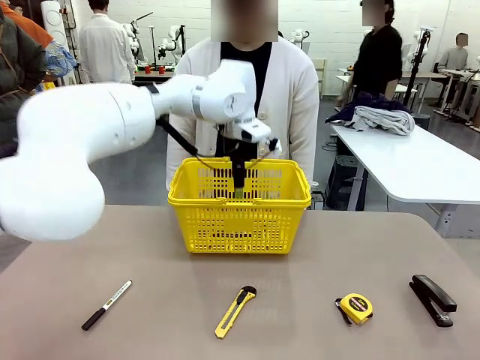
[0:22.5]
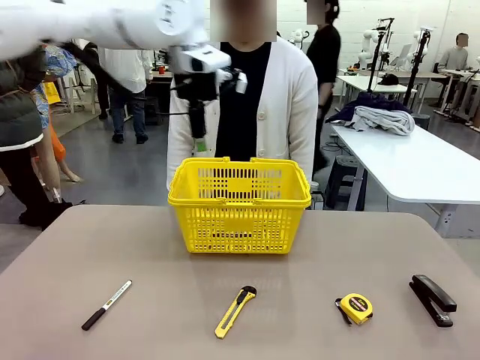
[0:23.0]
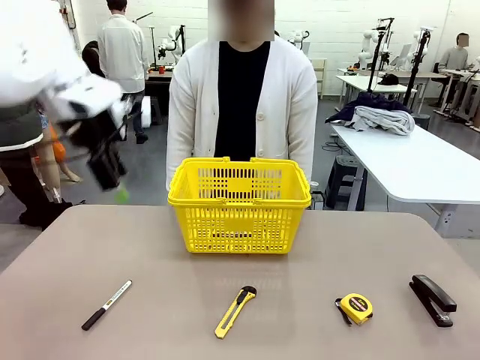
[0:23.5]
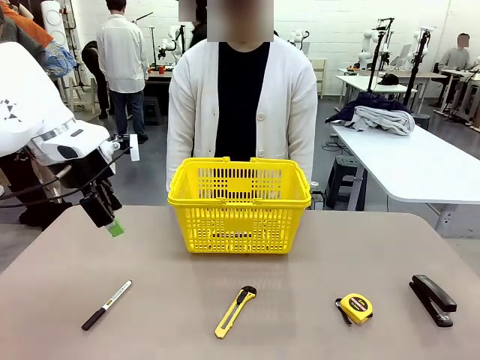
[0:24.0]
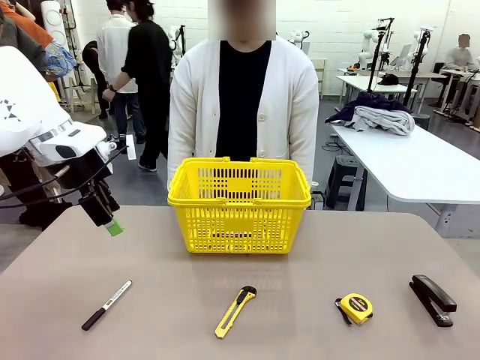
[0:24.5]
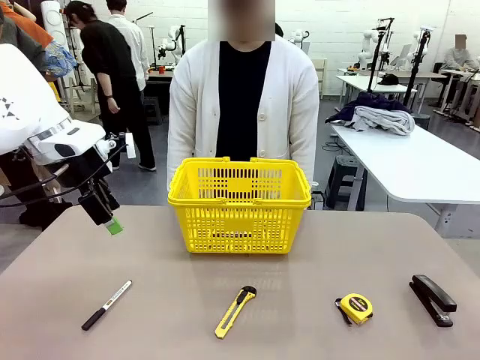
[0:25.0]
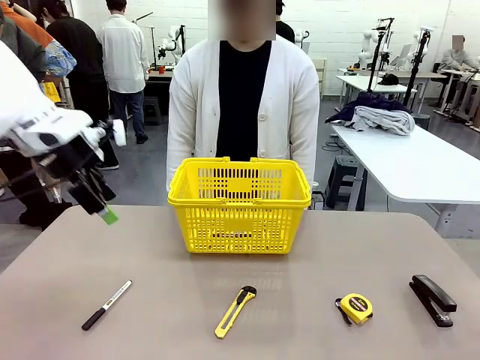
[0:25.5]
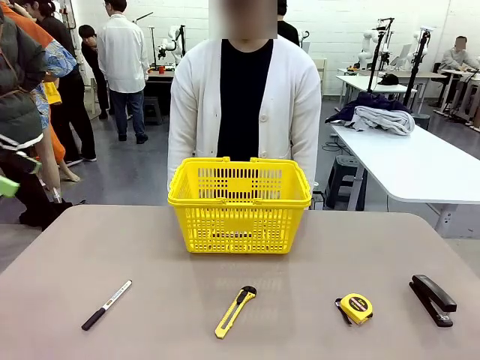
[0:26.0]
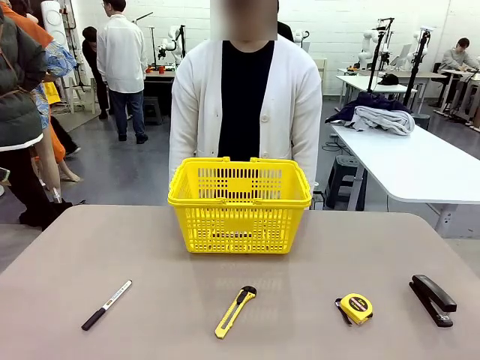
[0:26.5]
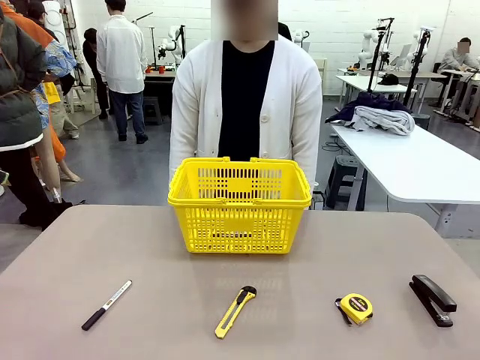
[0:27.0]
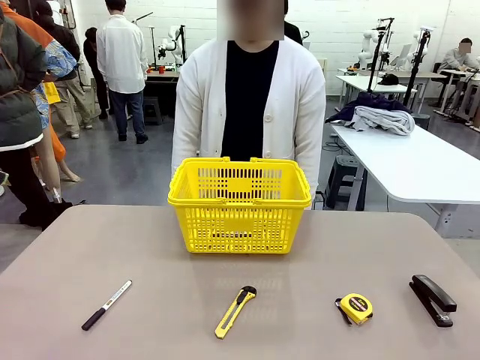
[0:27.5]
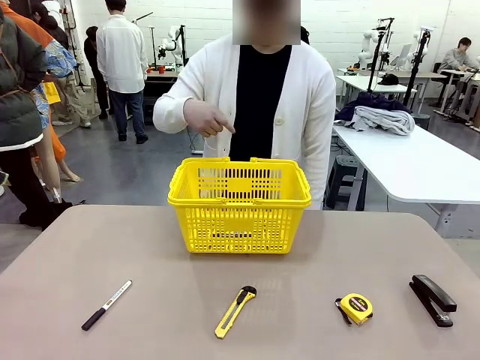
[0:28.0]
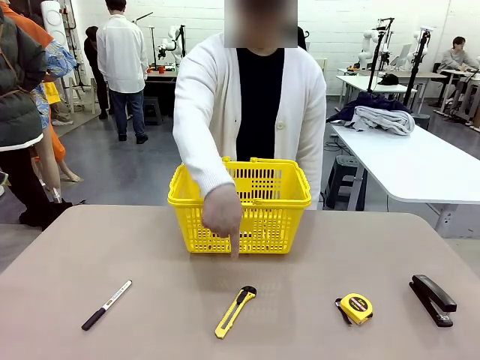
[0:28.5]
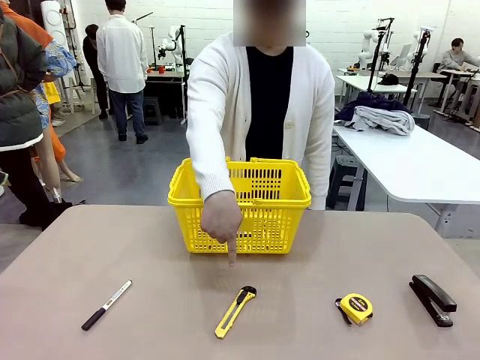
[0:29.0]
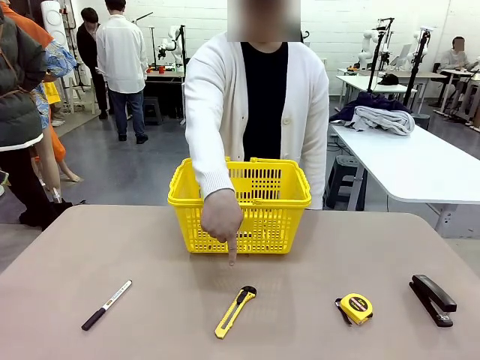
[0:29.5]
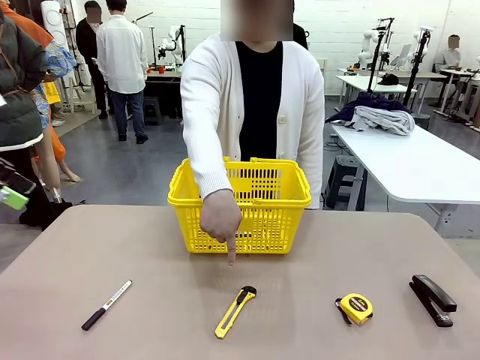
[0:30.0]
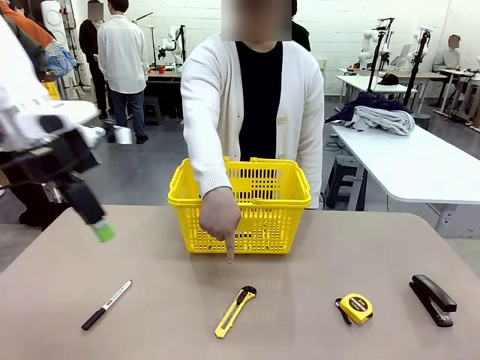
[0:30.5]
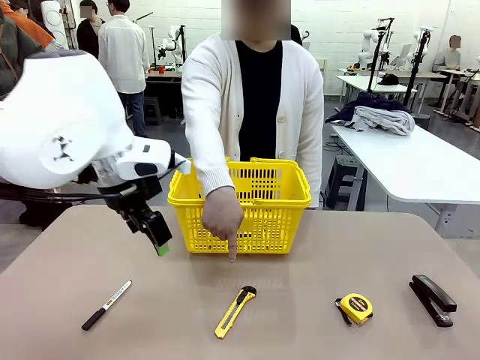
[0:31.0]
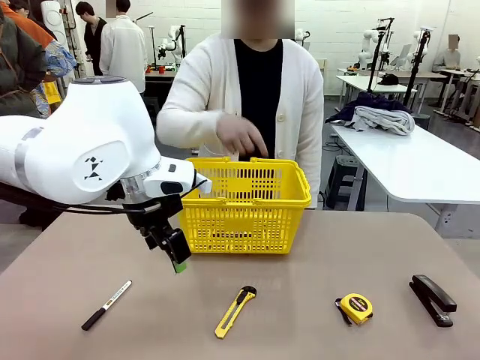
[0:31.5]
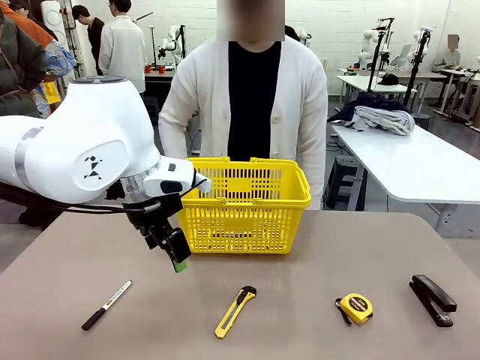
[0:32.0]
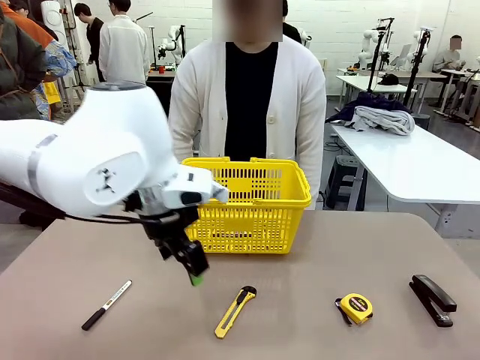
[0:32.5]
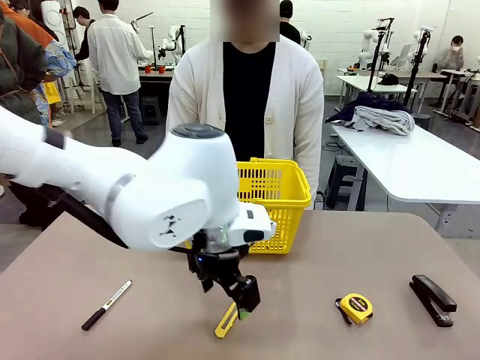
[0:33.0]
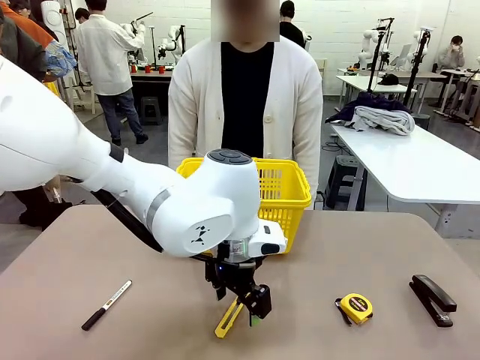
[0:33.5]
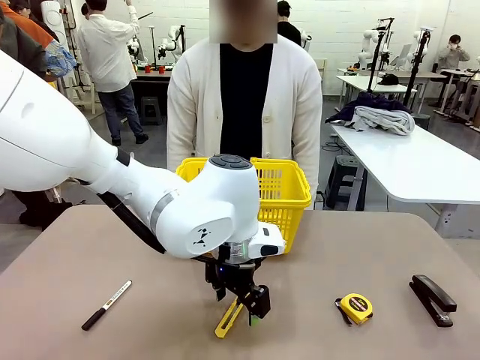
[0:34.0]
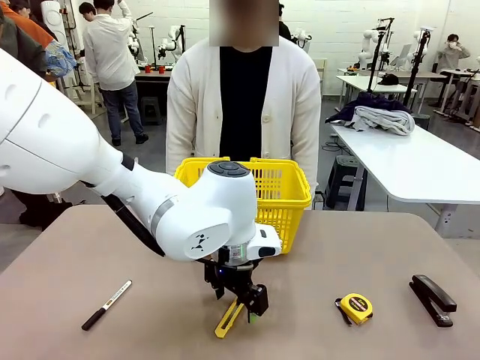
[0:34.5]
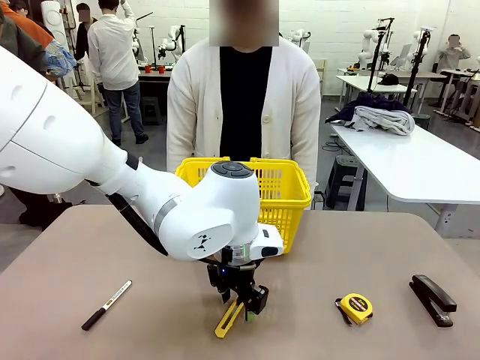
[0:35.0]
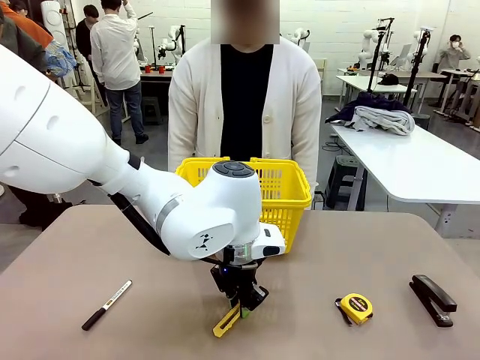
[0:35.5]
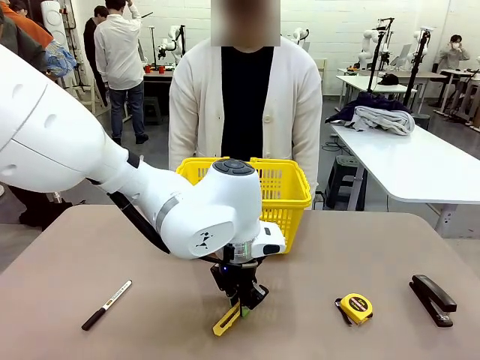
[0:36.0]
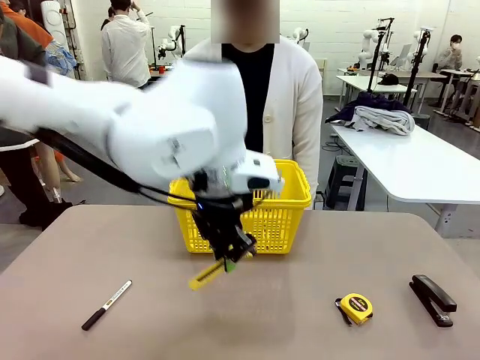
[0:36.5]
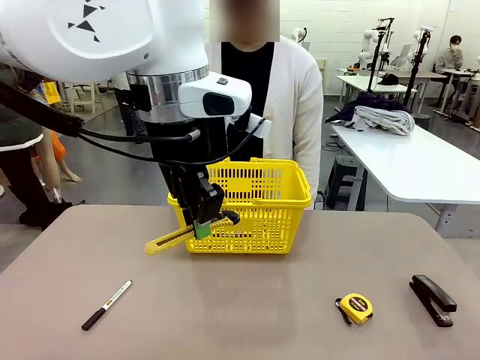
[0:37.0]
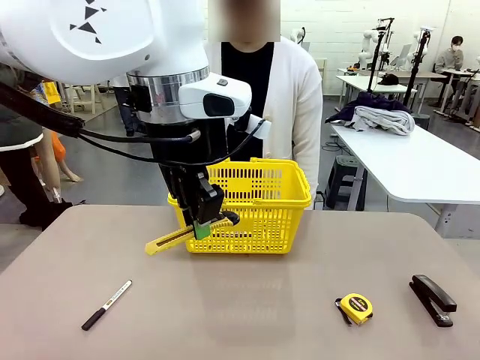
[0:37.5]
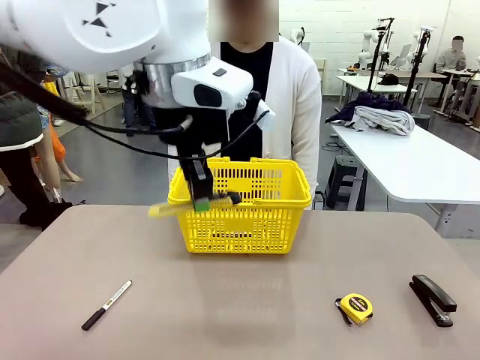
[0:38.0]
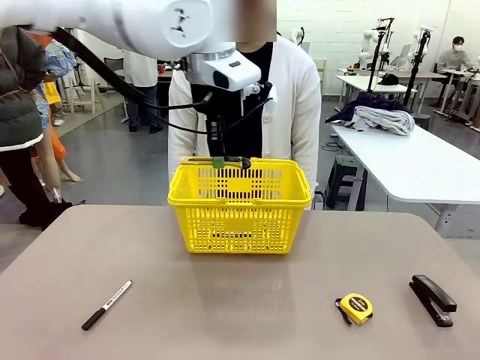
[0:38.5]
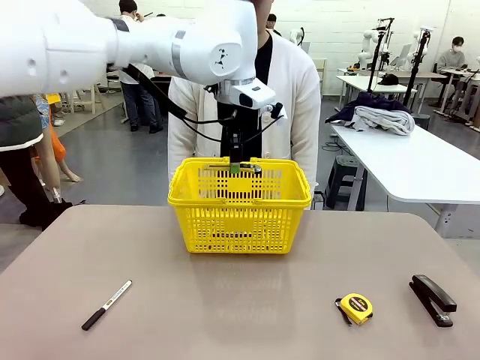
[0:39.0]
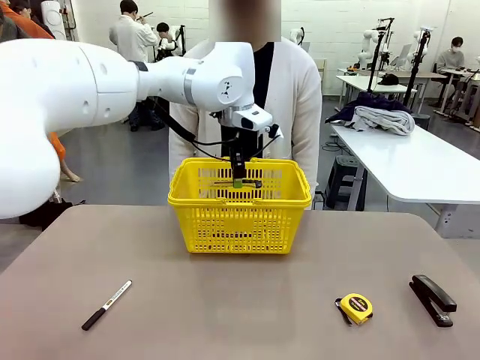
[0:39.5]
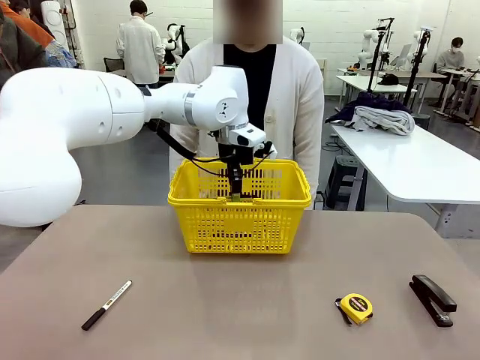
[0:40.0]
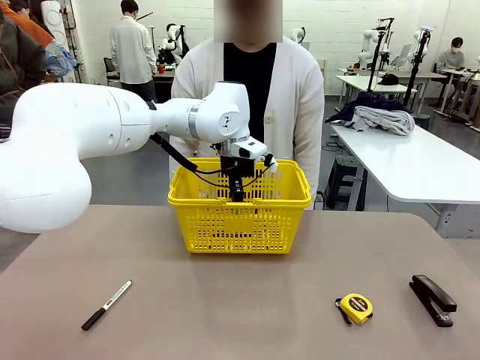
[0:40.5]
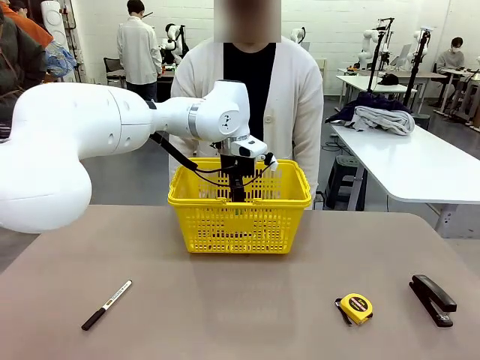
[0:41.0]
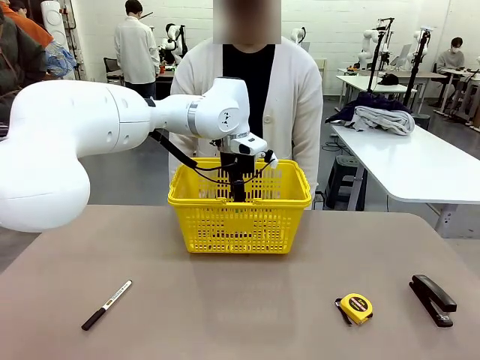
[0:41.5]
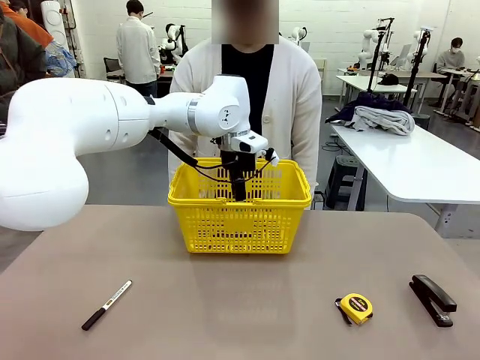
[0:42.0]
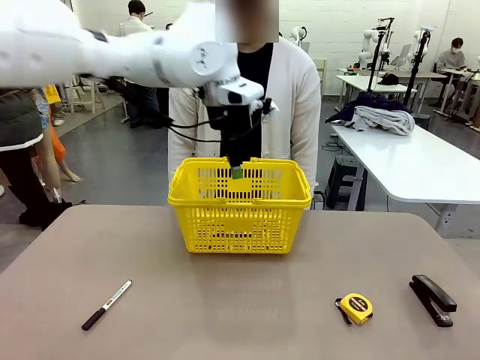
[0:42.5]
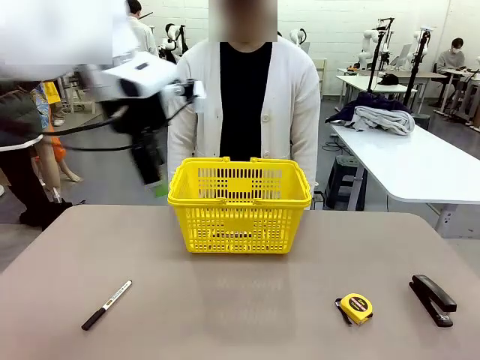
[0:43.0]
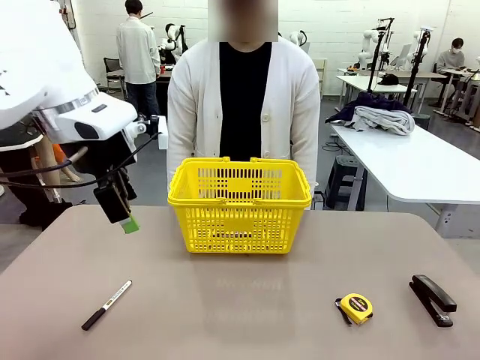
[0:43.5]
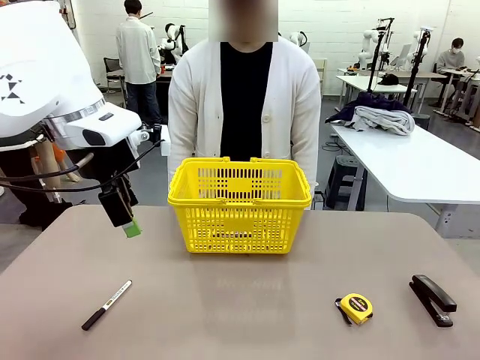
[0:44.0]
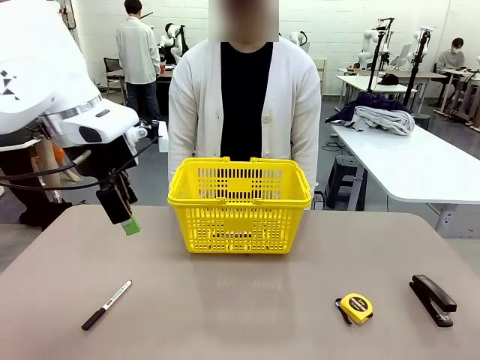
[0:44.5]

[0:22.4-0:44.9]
Task: Place the items the person wants into the basket.
Robot: Pick up the item the person points to and place it in the Market Basket.

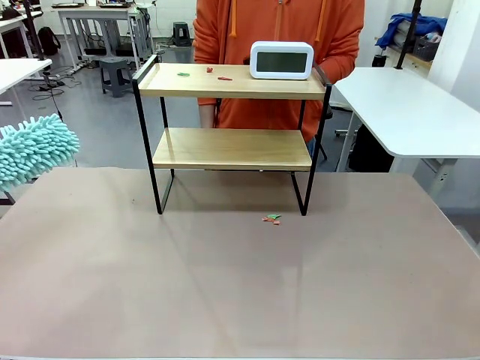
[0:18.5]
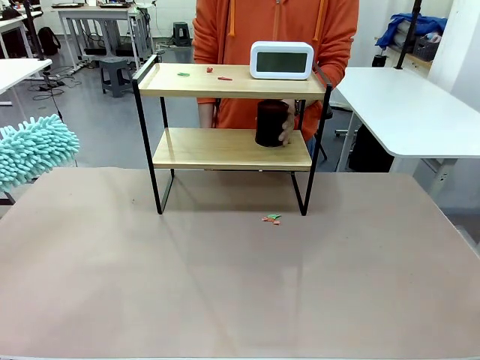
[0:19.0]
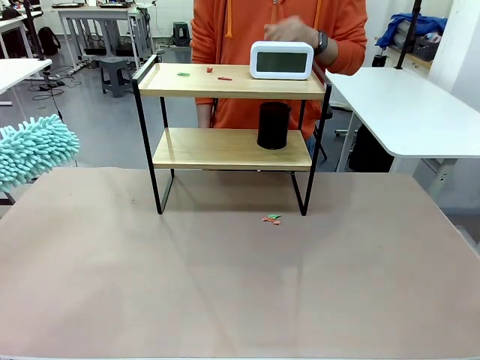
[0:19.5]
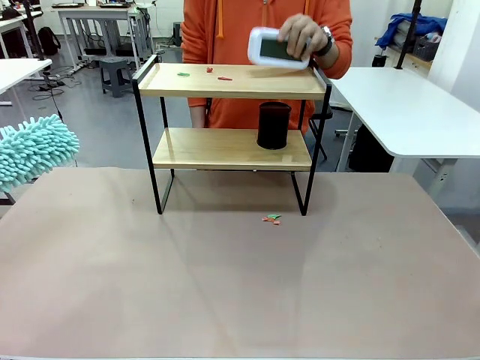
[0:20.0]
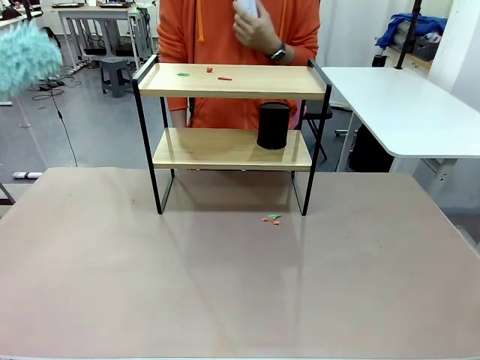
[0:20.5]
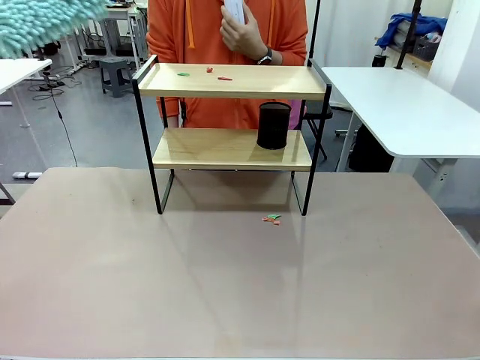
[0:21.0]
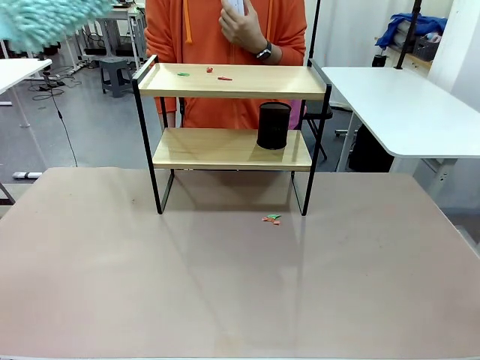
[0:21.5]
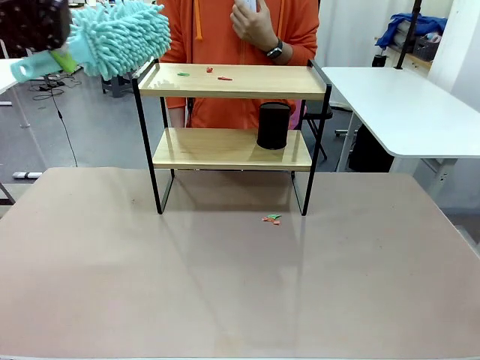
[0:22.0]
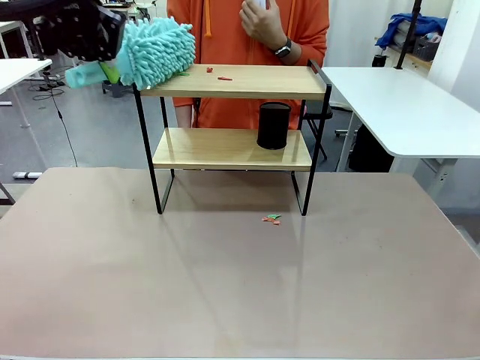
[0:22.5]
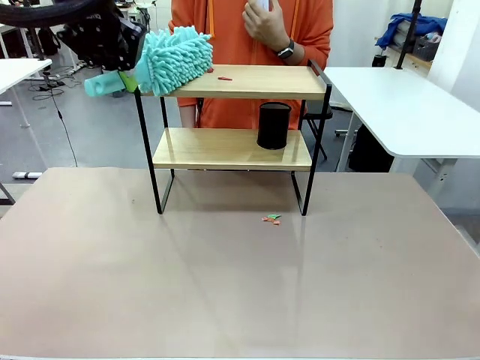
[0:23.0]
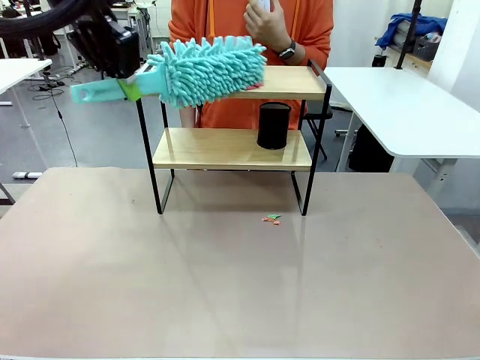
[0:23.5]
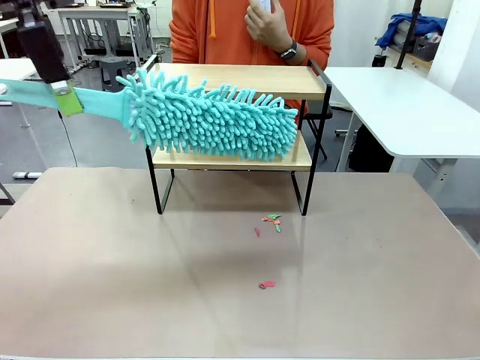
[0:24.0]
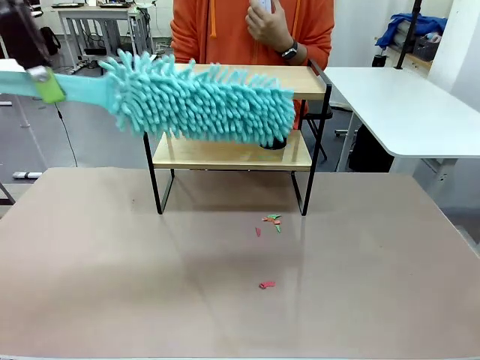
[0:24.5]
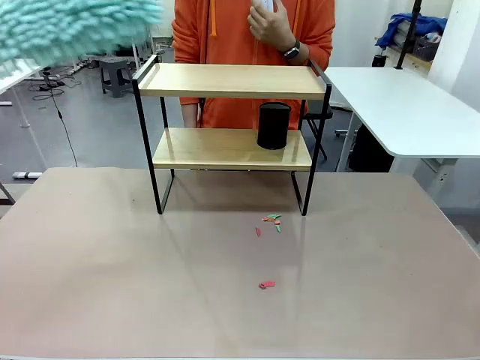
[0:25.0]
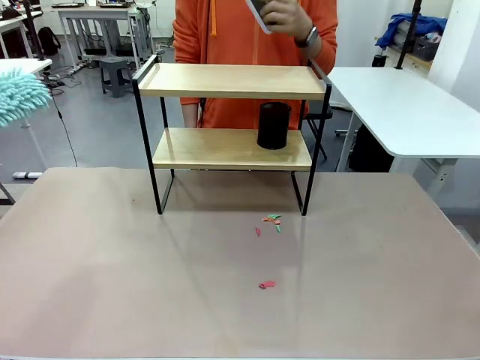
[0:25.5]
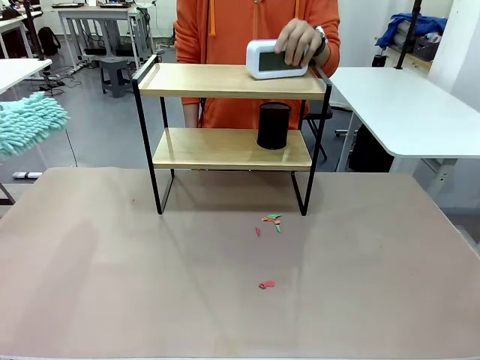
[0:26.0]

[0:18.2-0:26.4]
Task: Clean the shelf.
Robot: Clean the remaining tier of the Shelf with the Duster once objects are removed.
